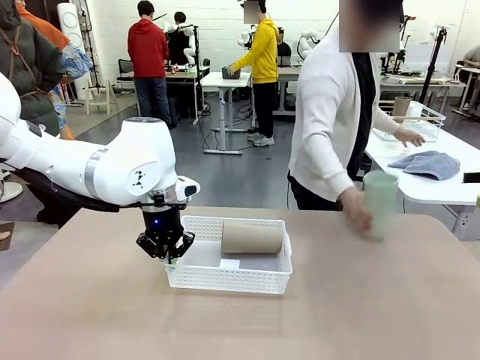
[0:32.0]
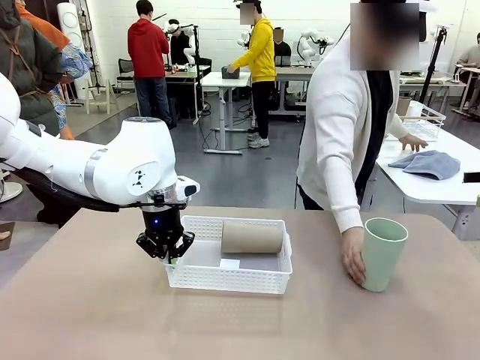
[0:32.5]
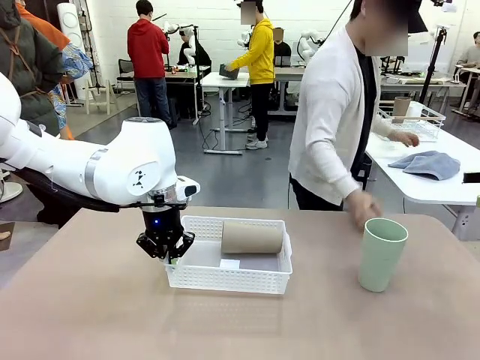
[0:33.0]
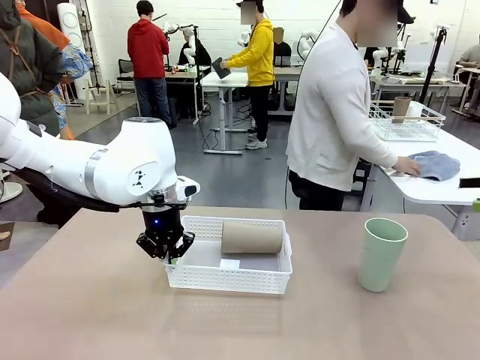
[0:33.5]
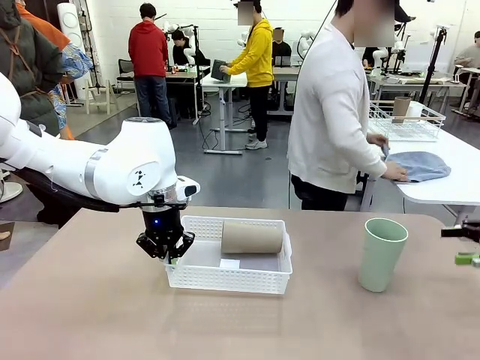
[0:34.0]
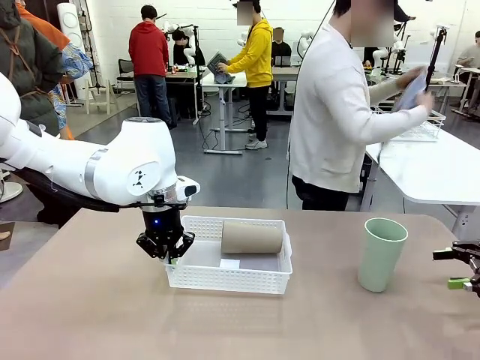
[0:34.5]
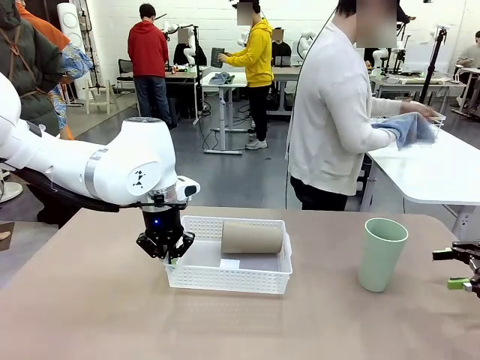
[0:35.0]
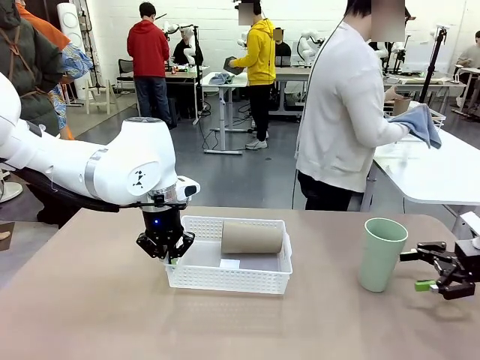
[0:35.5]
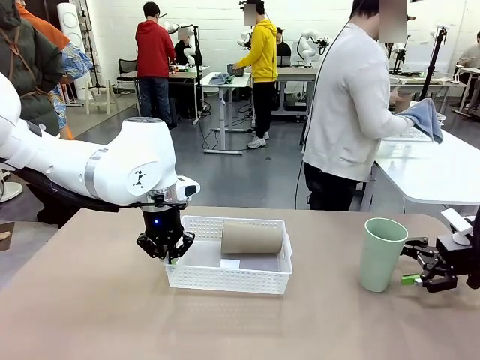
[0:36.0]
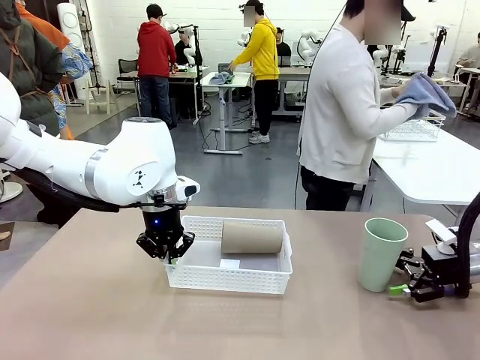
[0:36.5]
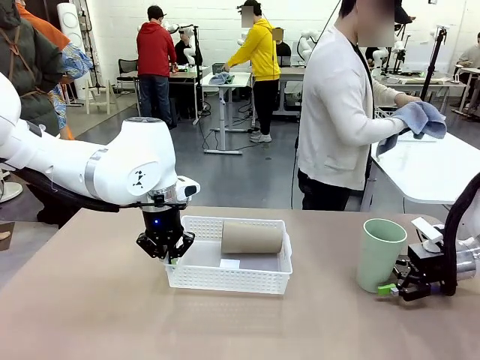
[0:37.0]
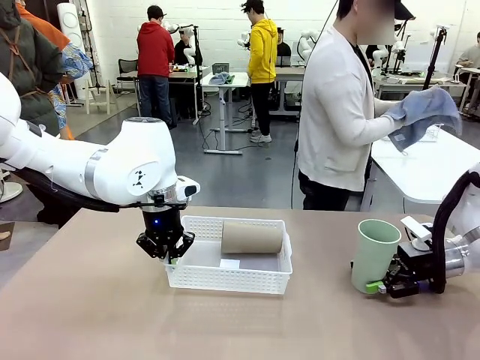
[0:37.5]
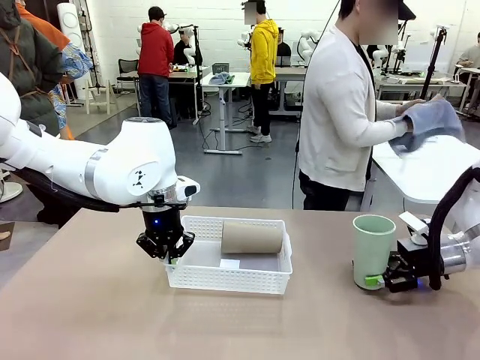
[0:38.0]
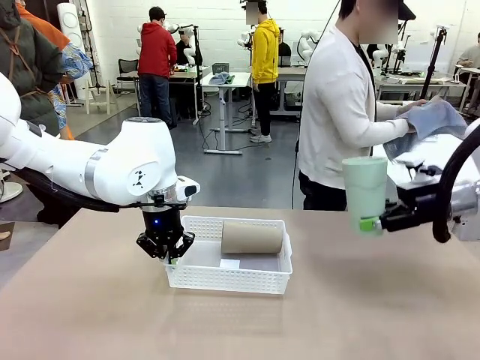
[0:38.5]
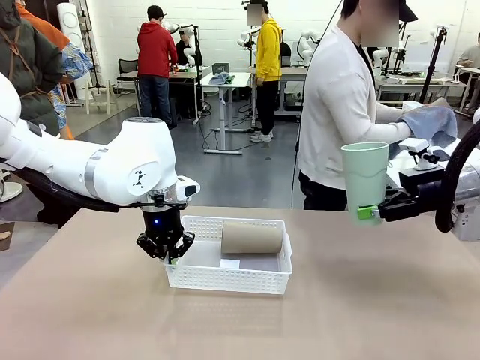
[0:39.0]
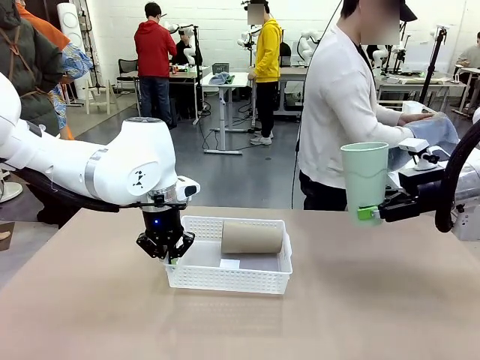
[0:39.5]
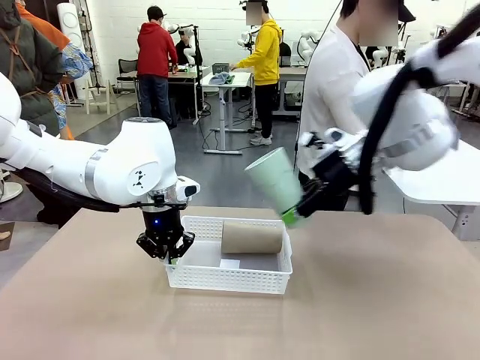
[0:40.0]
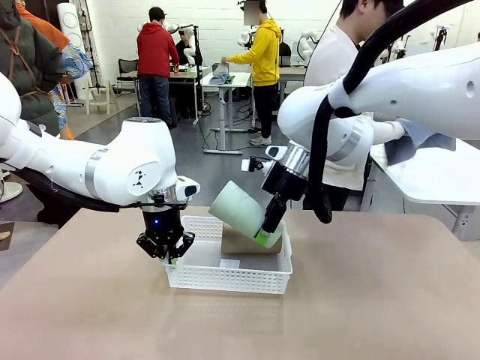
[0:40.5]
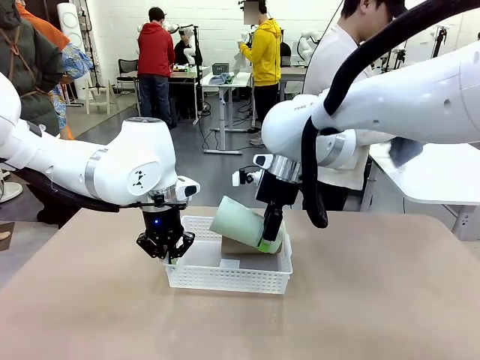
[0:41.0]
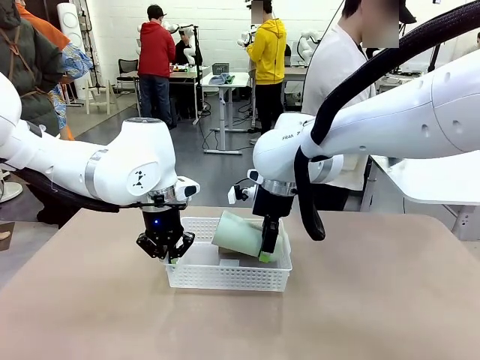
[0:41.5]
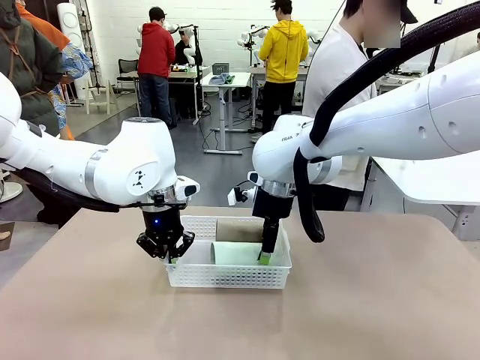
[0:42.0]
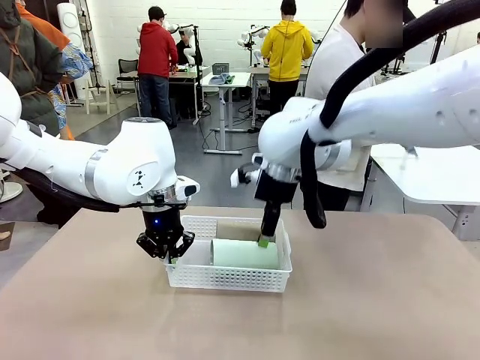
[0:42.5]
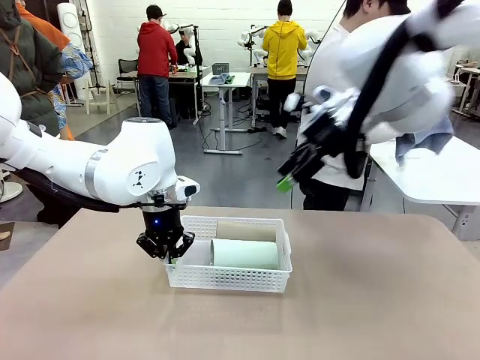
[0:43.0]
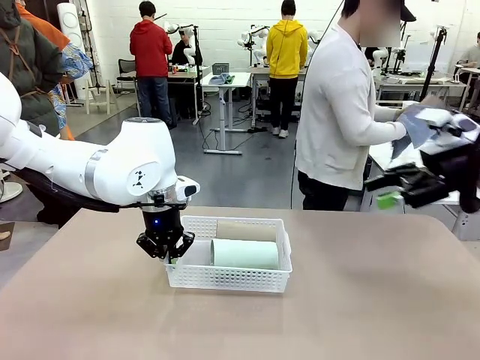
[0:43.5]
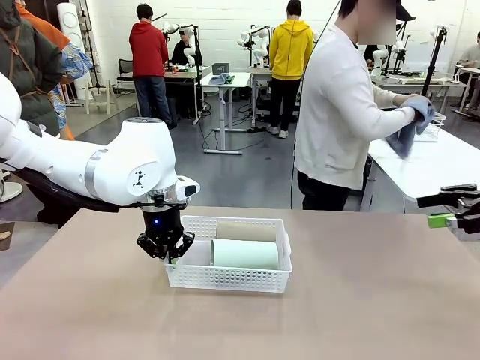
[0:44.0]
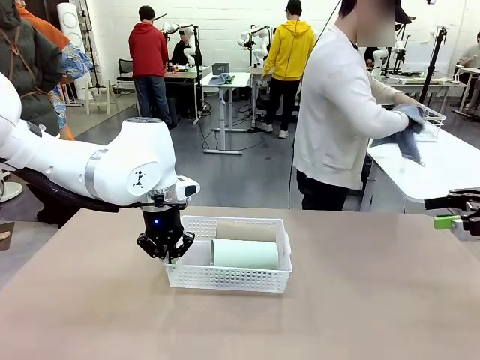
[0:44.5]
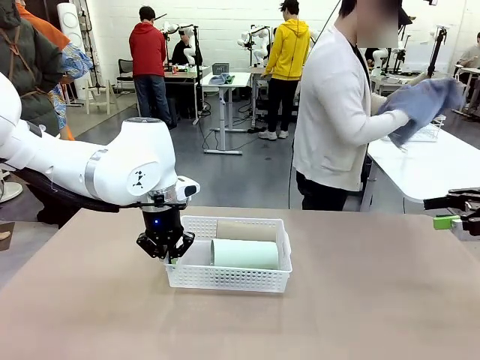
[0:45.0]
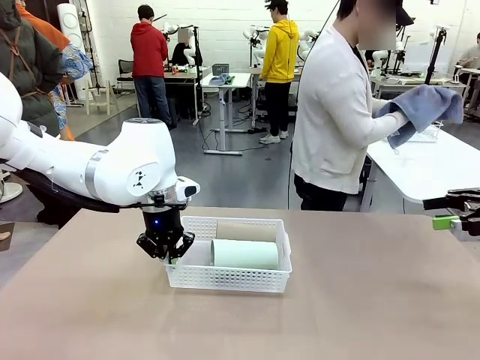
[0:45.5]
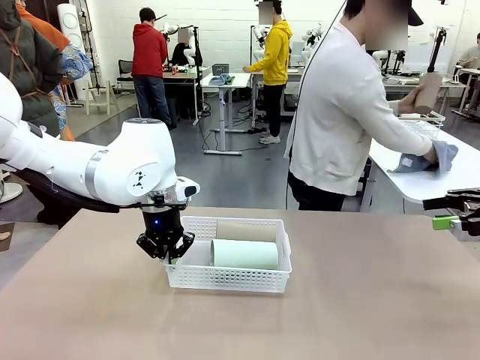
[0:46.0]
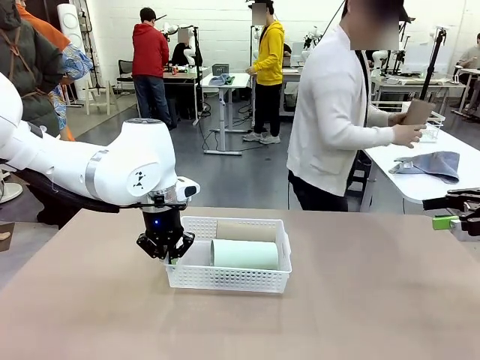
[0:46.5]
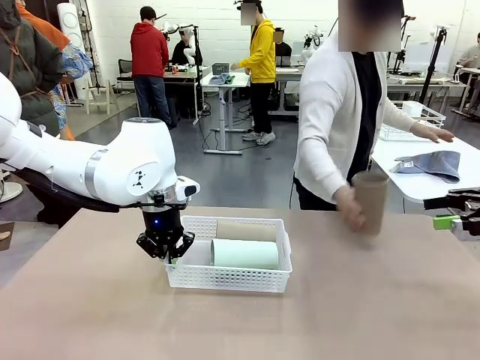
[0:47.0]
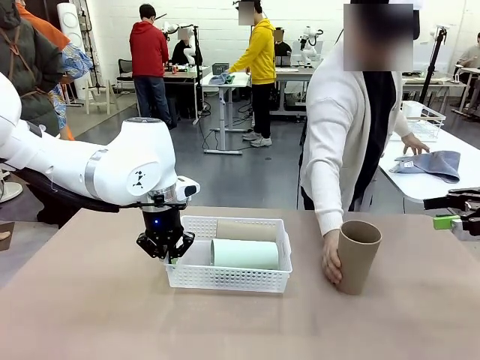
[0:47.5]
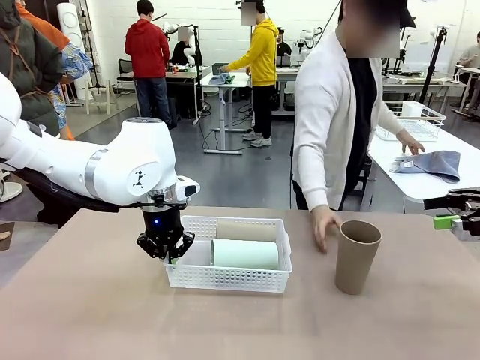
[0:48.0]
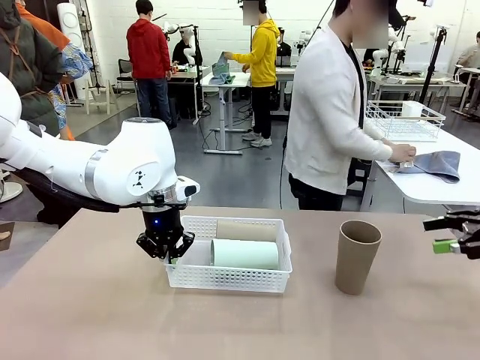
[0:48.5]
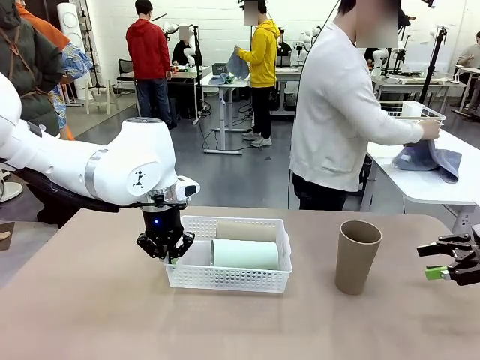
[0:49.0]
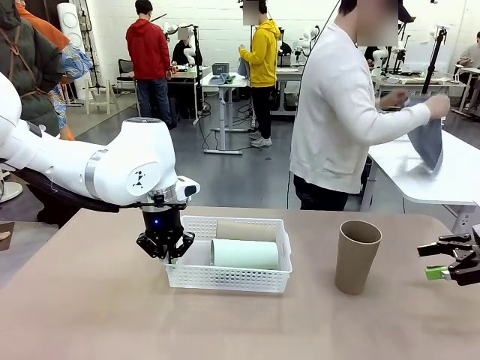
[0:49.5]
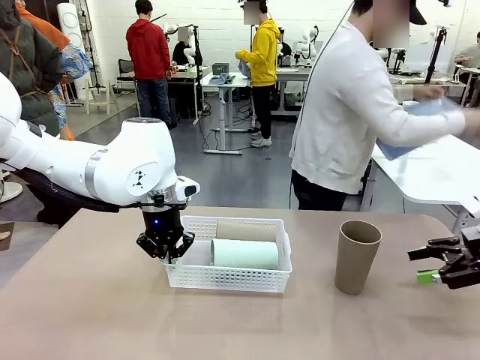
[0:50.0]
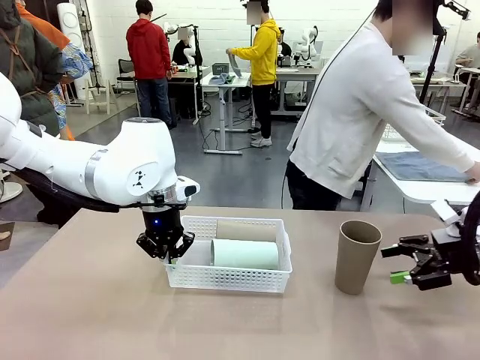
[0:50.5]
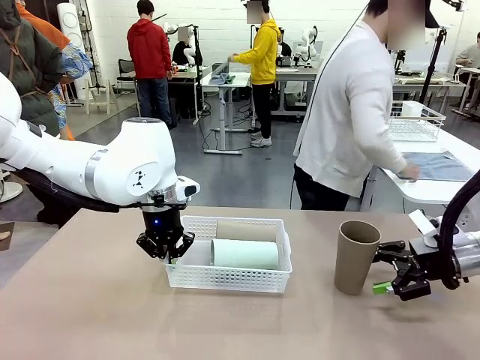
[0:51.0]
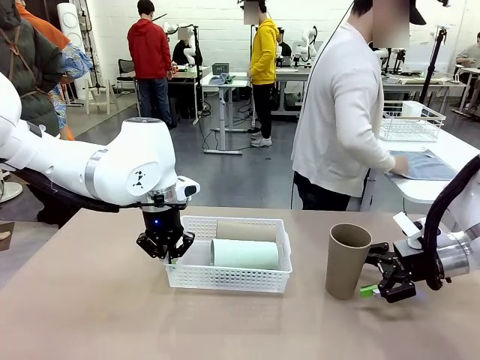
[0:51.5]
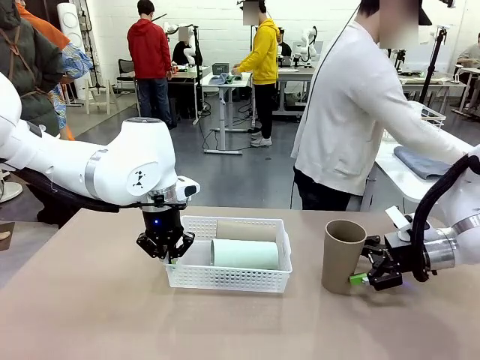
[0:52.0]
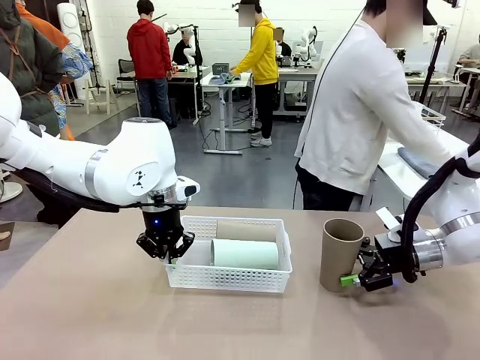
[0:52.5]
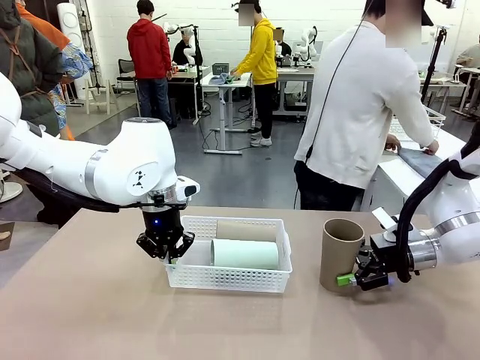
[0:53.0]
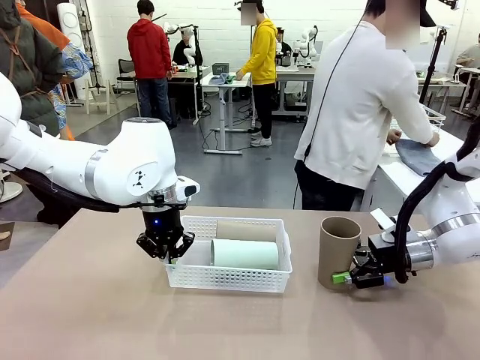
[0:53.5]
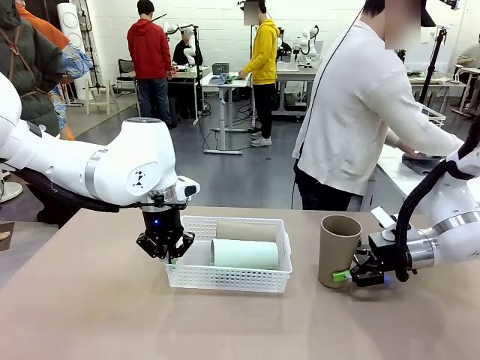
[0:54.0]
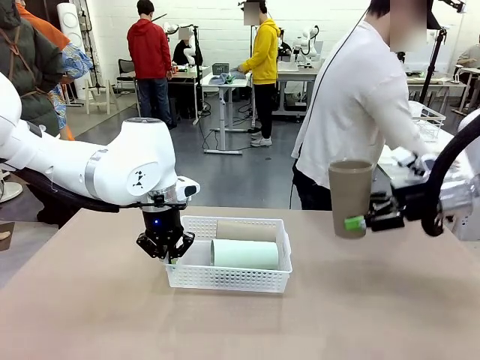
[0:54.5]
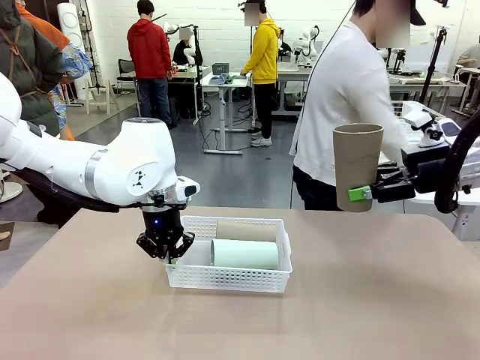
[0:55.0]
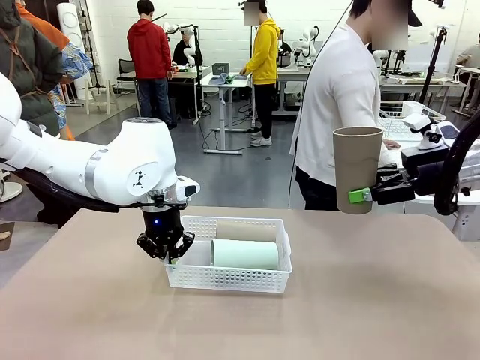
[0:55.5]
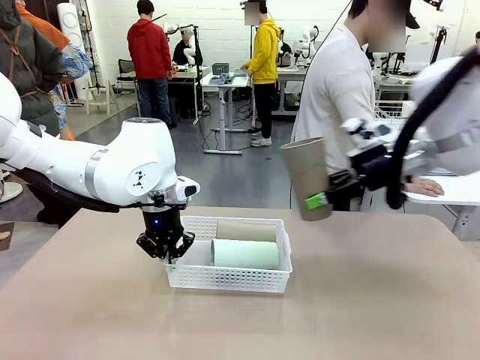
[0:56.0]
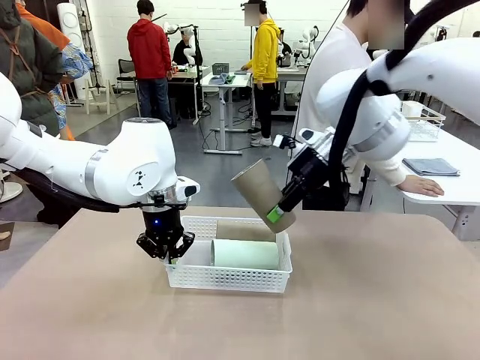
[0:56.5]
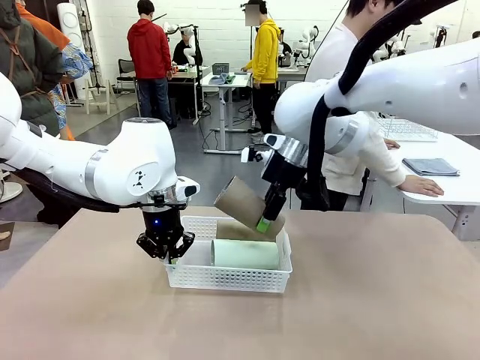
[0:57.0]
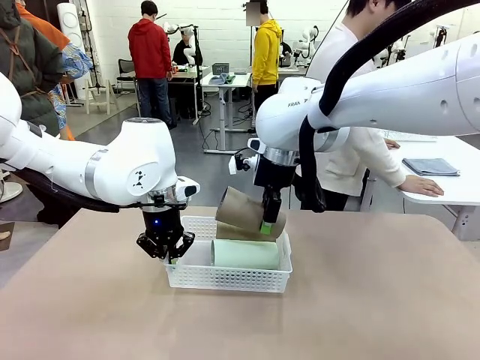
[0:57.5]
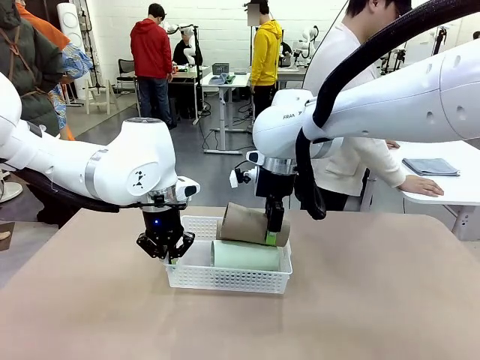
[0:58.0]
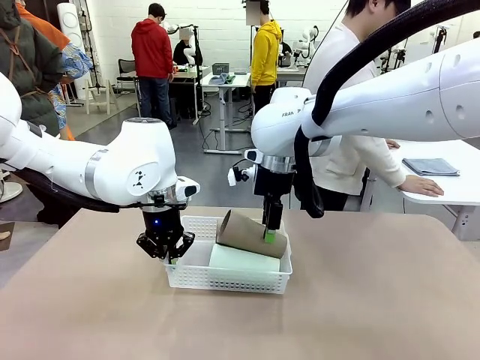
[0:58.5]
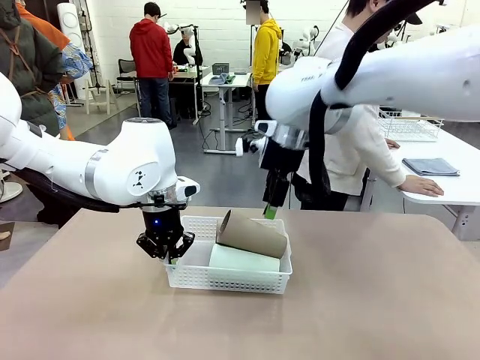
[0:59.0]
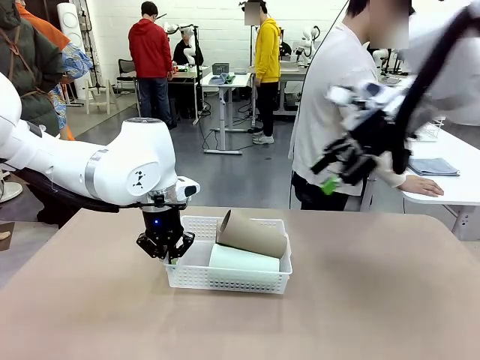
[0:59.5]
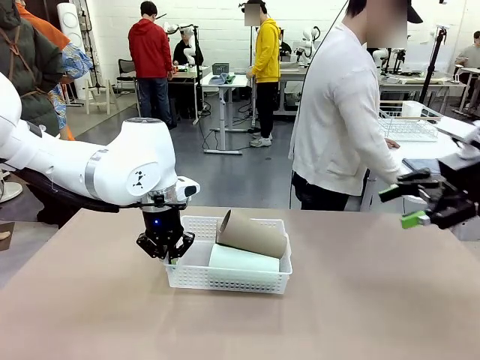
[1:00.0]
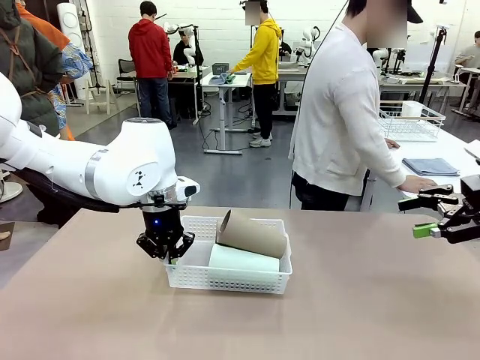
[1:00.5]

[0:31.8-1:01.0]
Task: Clean and organize the cups into the basket.
Robot: Pick up the Reusable plastic cup from the right side of the table and stack it inside the Organizing basket in the center of the table.
Person: Folds the towel in half twice and places it in the right of the table.
